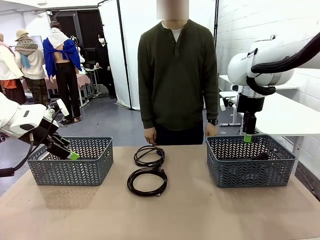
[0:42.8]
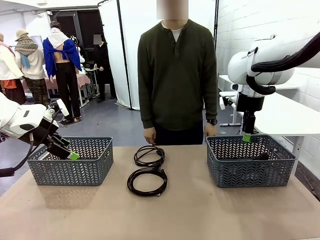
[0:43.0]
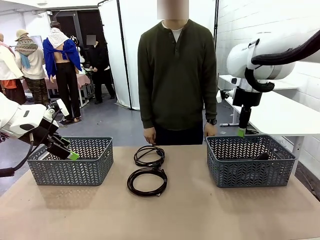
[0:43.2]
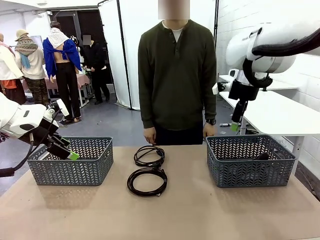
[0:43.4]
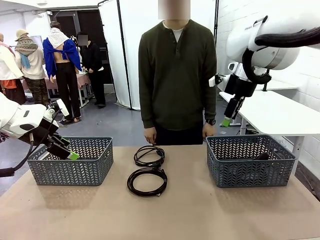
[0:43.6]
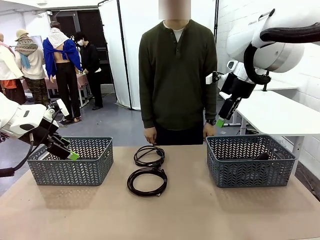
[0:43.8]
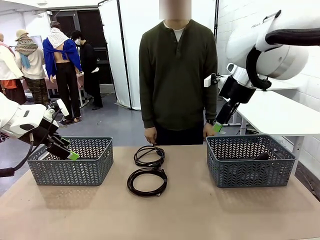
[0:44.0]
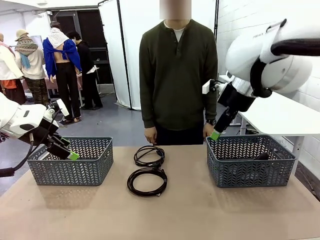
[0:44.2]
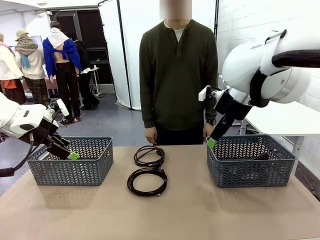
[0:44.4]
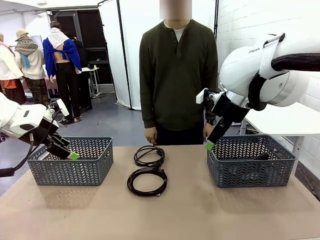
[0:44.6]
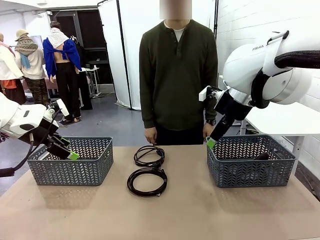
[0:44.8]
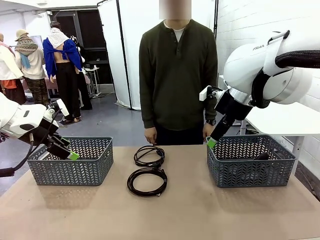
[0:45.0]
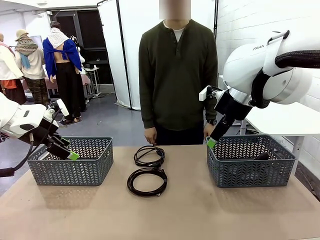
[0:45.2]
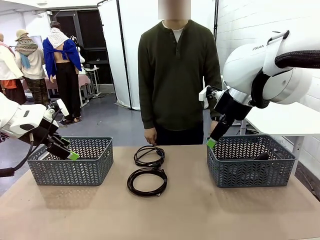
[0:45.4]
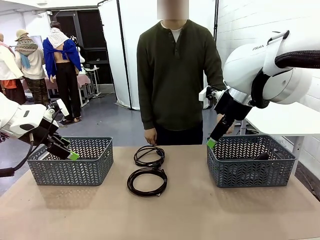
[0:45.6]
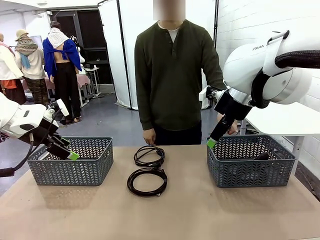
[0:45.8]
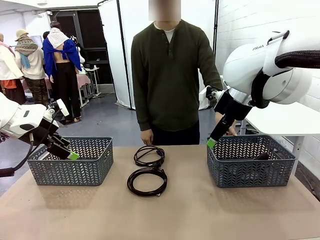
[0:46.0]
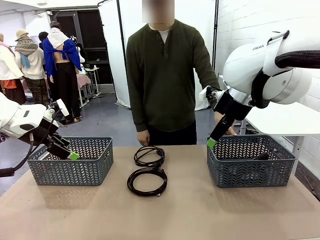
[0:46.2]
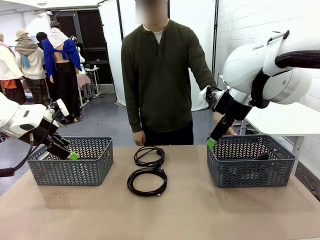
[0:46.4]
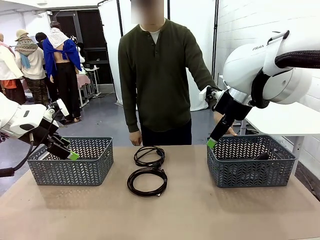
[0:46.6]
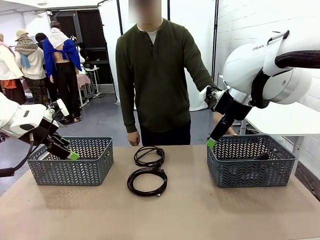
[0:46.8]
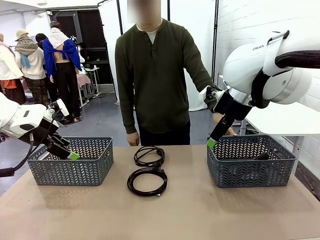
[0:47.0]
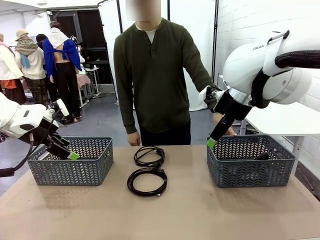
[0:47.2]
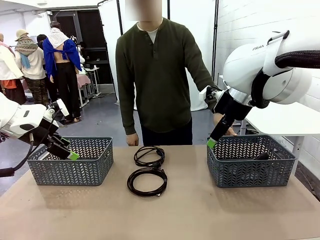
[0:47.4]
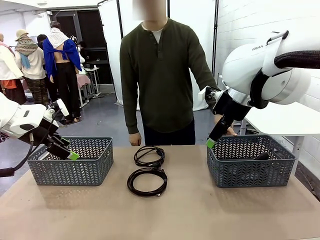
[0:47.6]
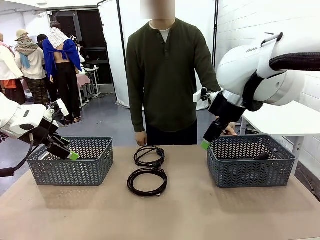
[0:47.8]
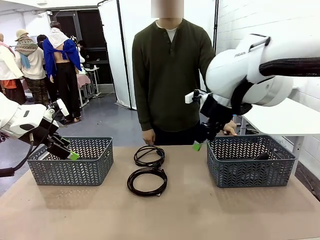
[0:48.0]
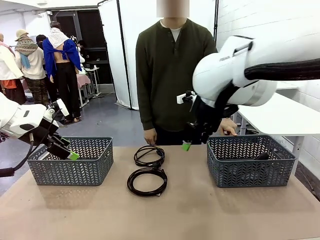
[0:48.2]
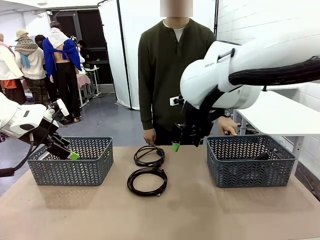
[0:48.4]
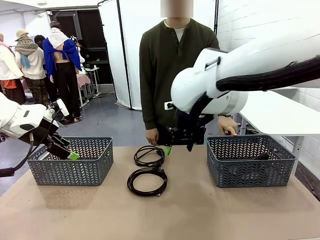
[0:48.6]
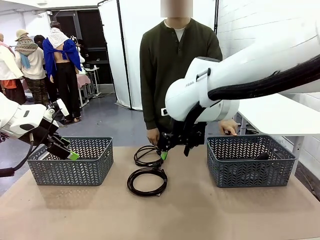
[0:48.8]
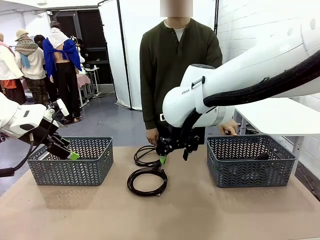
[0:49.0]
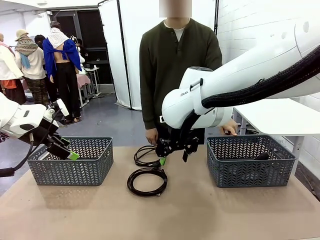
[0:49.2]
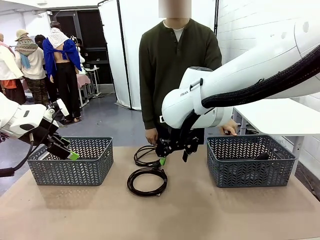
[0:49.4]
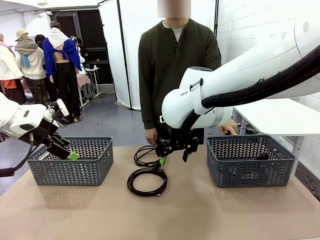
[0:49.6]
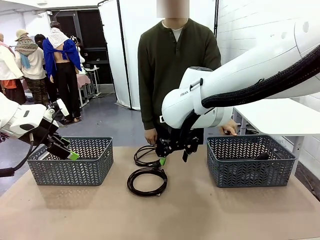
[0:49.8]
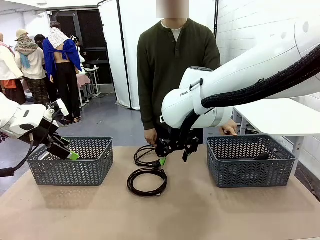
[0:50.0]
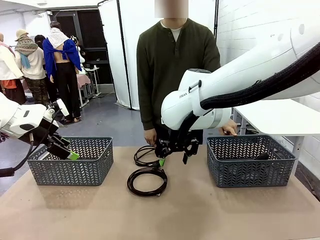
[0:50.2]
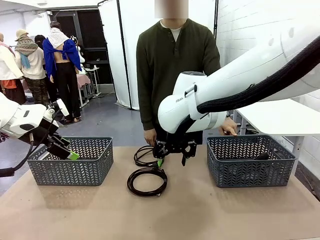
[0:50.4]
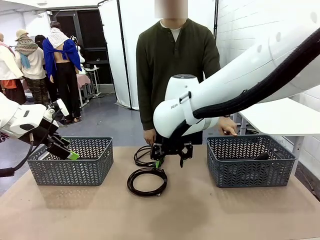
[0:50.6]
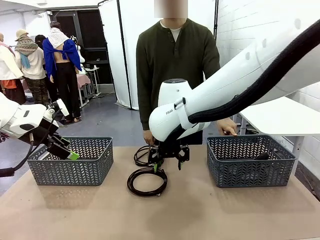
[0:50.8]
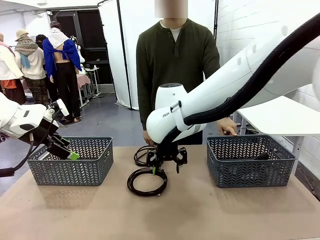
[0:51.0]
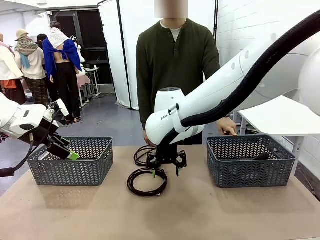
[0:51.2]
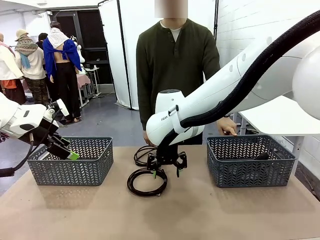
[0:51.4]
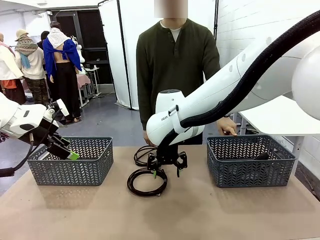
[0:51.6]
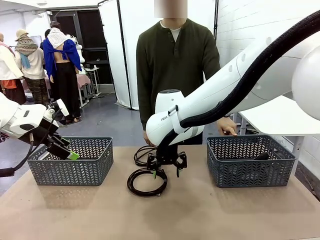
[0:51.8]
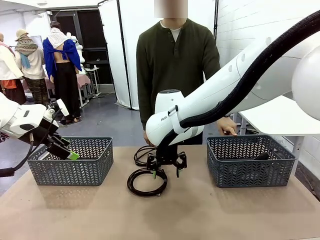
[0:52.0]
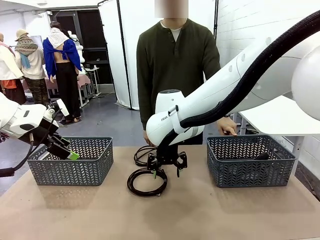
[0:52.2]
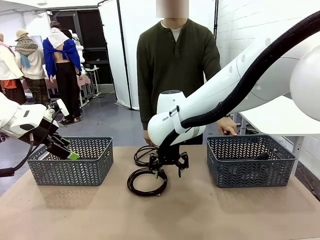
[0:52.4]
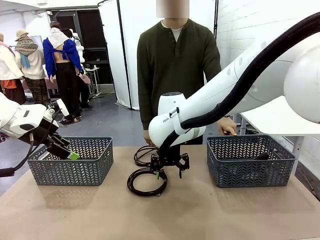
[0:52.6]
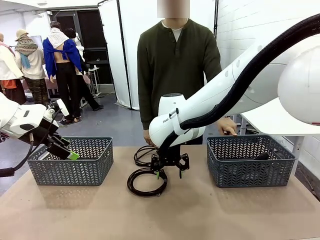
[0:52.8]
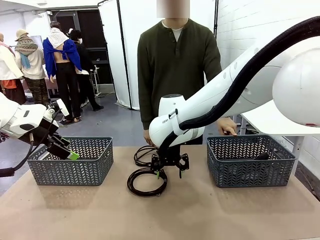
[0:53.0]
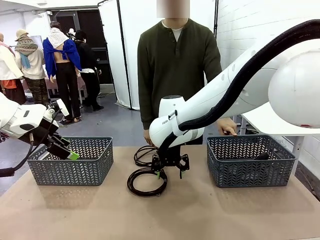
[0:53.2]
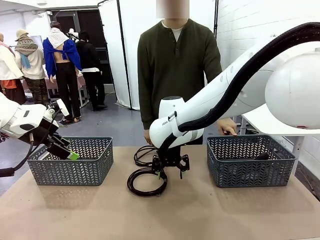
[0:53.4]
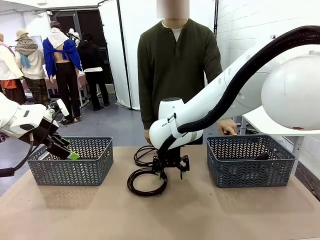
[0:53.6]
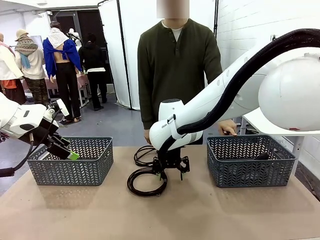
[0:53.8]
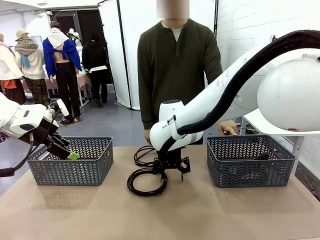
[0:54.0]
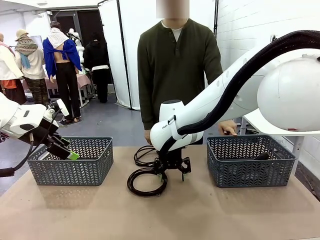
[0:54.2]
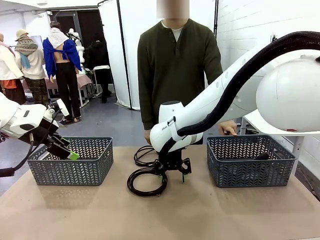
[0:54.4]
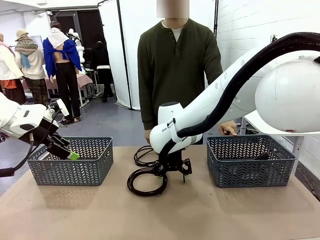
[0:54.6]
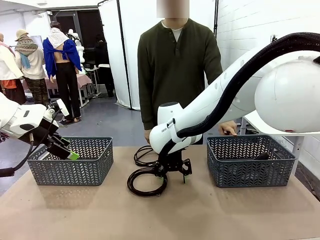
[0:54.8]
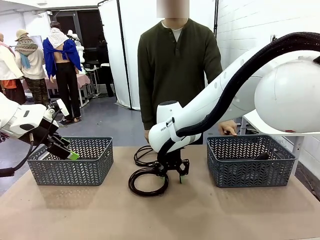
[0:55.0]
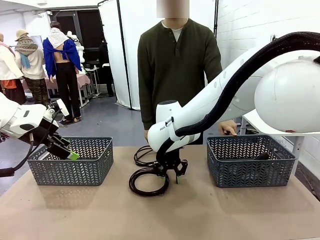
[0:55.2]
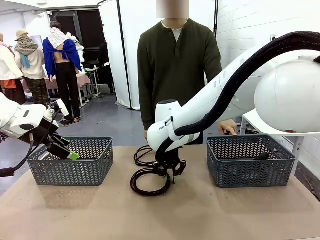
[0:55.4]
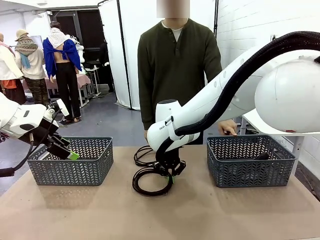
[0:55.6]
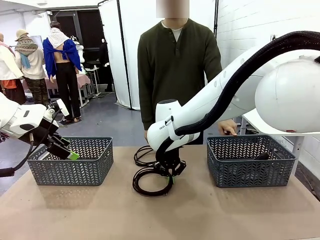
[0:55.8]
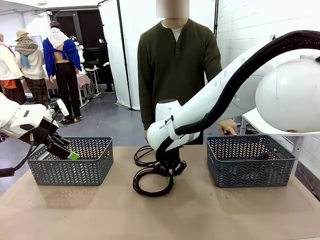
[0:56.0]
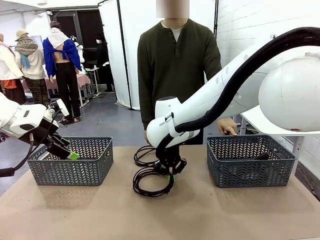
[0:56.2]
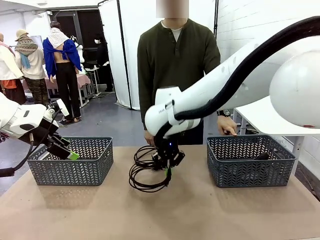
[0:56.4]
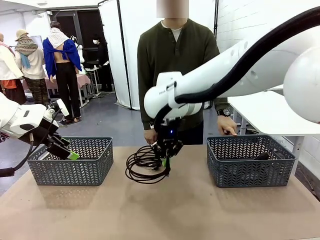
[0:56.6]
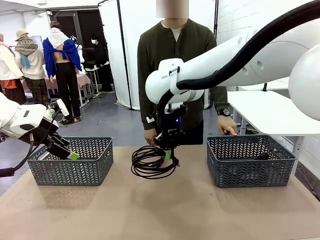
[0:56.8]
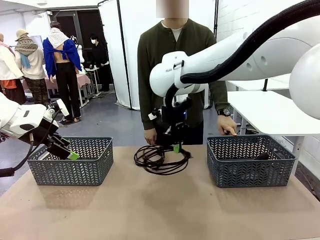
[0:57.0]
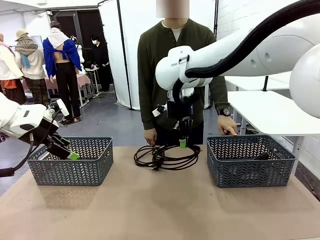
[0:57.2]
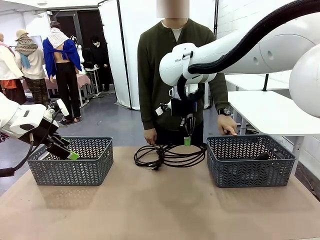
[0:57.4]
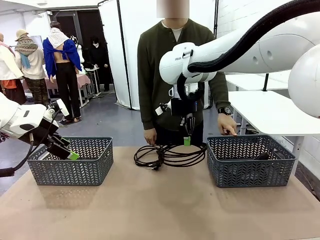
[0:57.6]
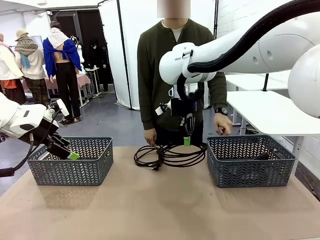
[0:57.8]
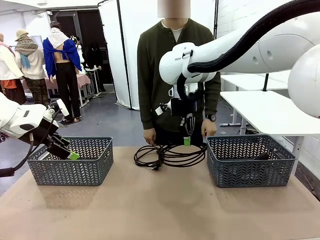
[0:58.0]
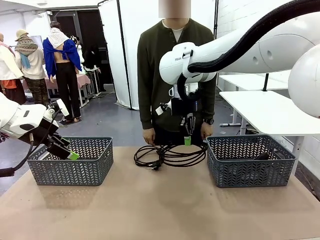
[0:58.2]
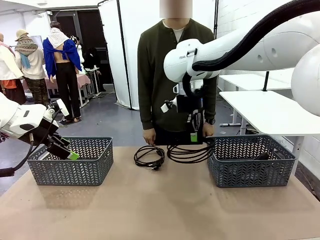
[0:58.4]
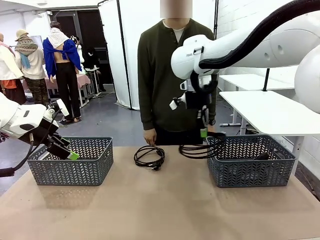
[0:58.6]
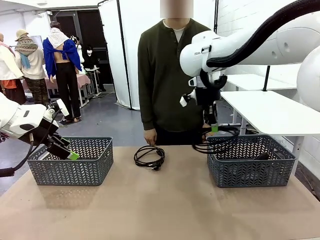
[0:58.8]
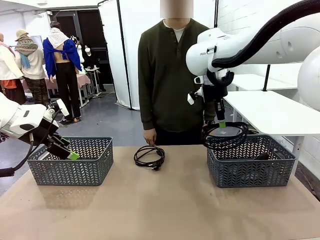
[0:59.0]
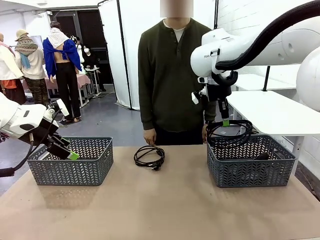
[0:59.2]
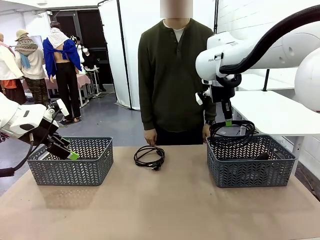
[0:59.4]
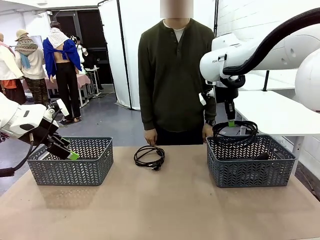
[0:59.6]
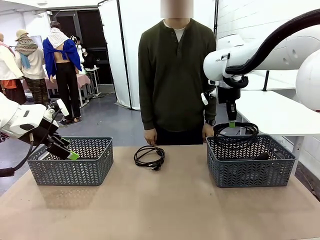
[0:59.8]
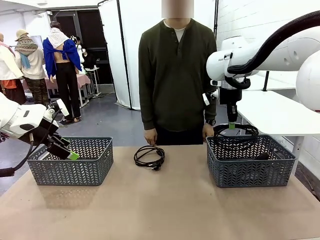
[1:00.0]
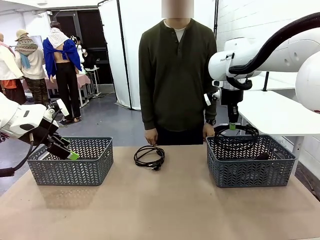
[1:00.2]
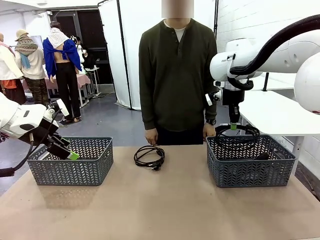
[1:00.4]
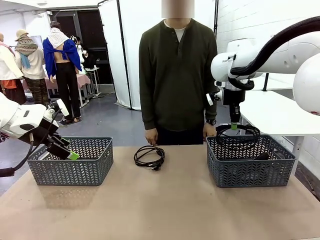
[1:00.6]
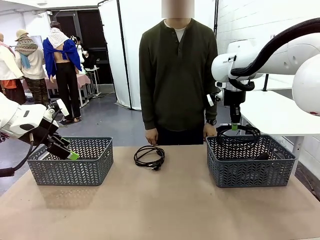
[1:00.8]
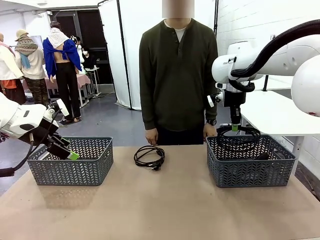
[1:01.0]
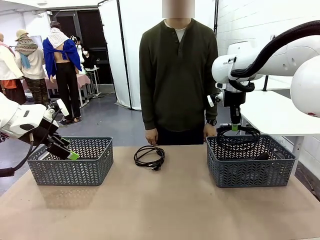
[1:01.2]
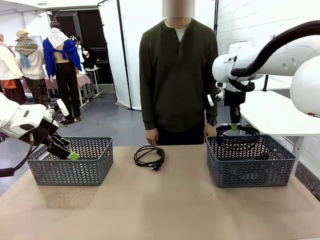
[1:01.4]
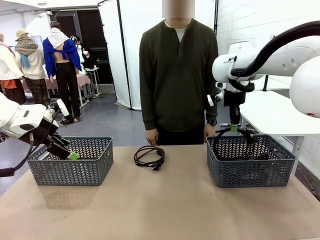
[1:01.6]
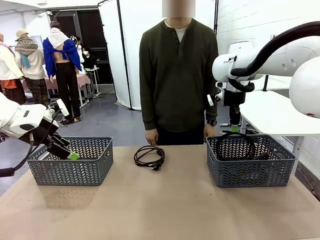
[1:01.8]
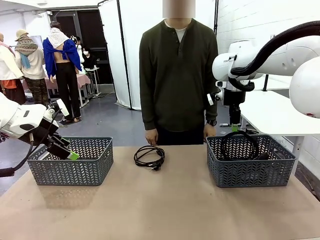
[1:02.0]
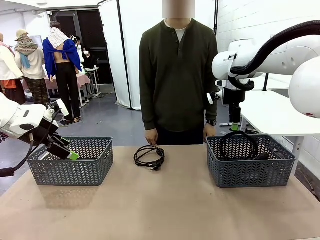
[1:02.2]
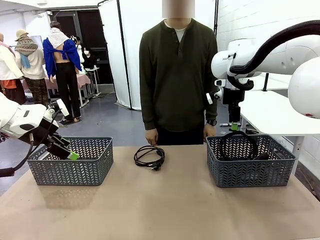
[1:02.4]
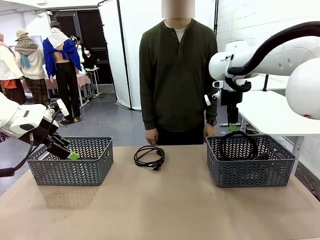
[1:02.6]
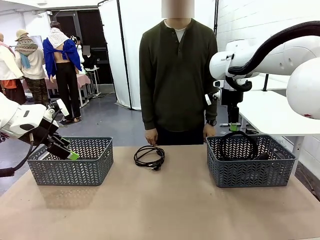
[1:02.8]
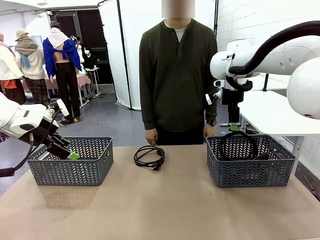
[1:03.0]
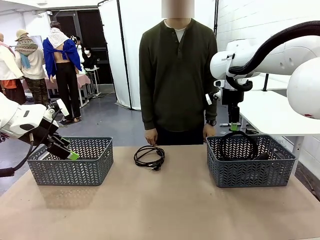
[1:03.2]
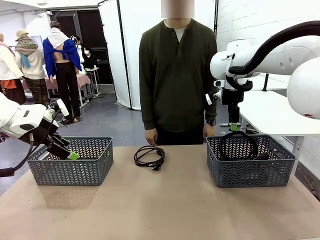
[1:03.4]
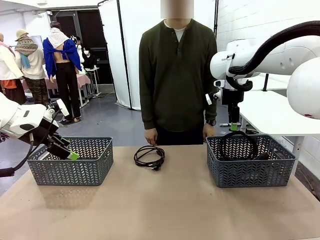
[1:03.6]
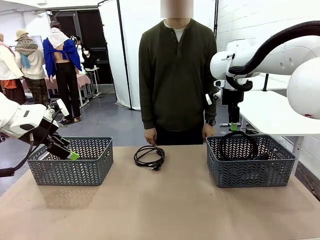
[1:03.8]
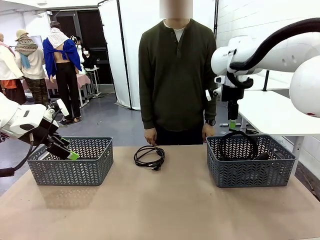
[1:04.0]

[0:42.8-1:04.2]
Task: Organize the cables according to human instructions.
Robot: Pick up a bundle of cables and place it in the basket indicated by the human.
